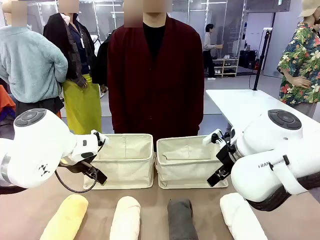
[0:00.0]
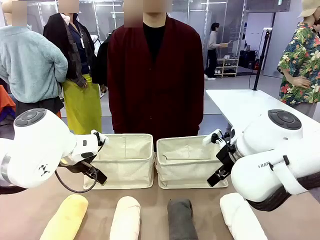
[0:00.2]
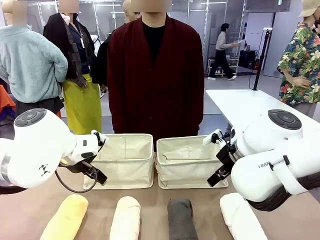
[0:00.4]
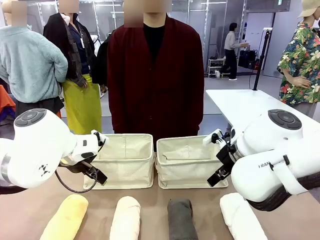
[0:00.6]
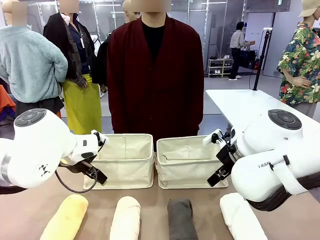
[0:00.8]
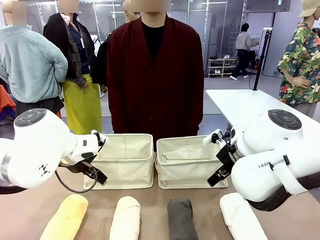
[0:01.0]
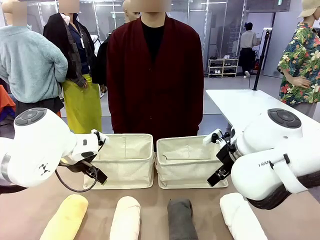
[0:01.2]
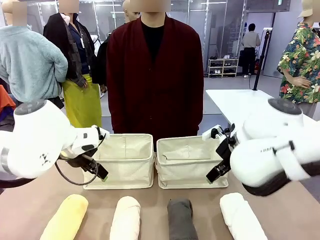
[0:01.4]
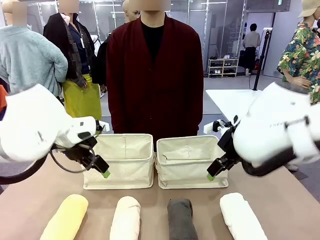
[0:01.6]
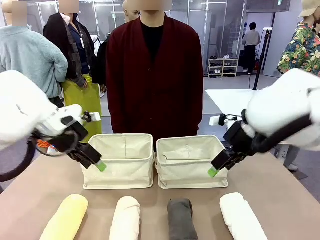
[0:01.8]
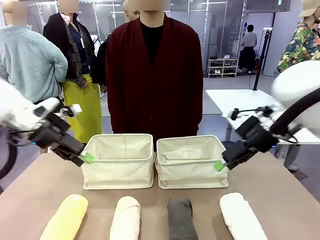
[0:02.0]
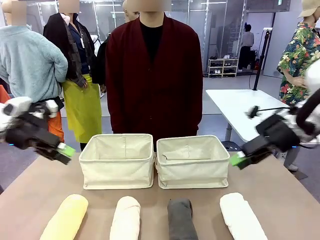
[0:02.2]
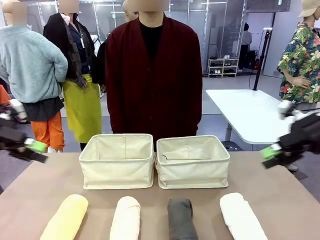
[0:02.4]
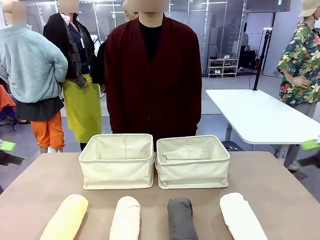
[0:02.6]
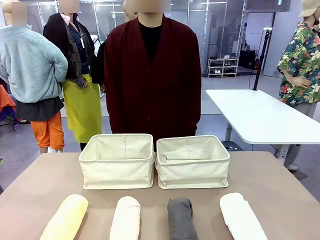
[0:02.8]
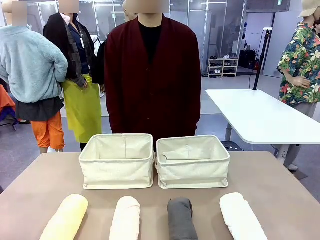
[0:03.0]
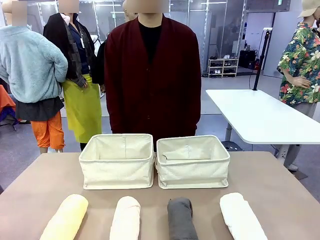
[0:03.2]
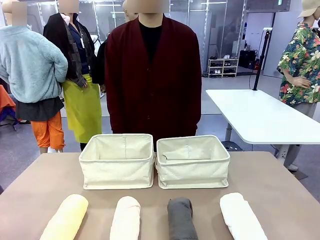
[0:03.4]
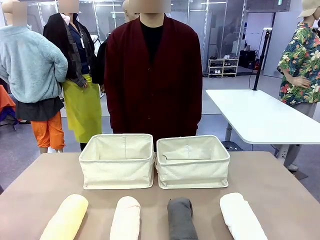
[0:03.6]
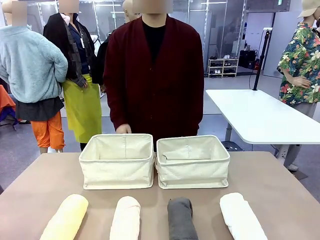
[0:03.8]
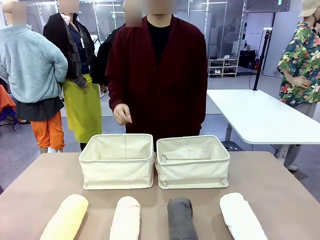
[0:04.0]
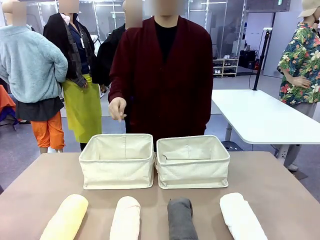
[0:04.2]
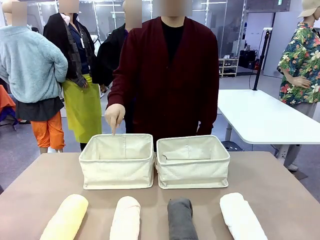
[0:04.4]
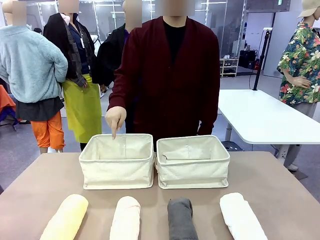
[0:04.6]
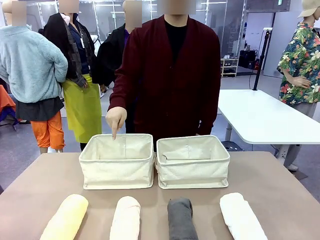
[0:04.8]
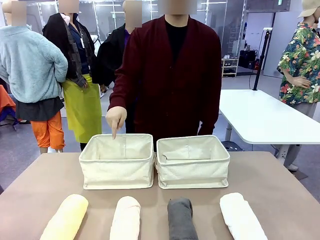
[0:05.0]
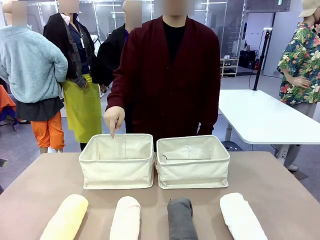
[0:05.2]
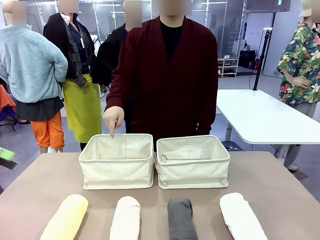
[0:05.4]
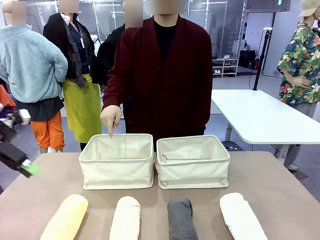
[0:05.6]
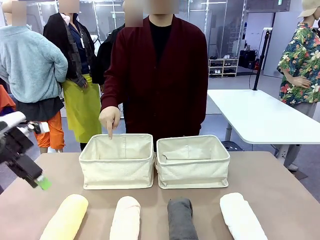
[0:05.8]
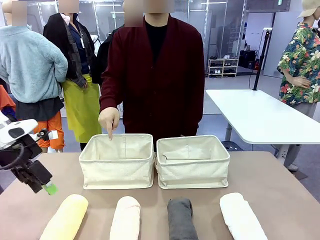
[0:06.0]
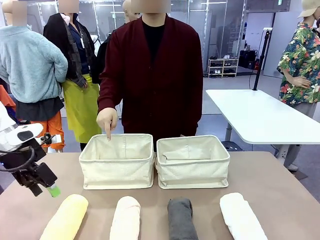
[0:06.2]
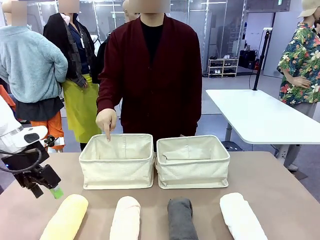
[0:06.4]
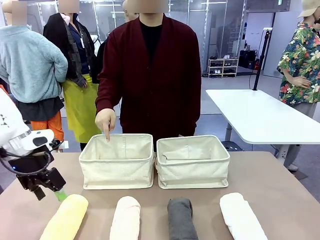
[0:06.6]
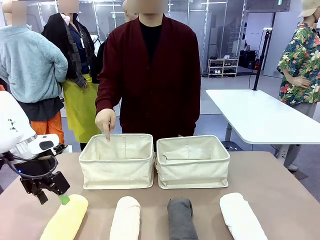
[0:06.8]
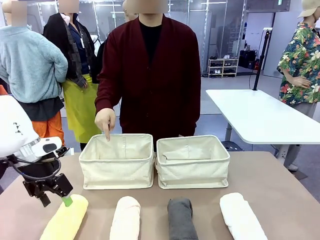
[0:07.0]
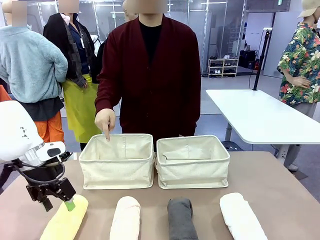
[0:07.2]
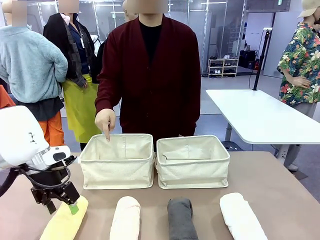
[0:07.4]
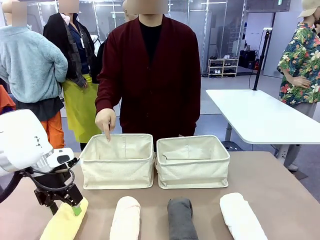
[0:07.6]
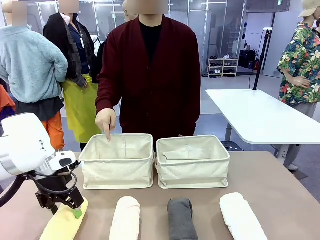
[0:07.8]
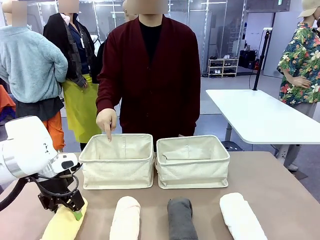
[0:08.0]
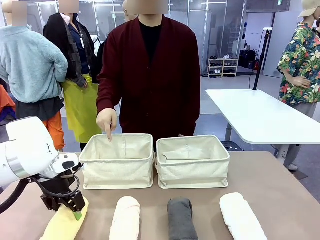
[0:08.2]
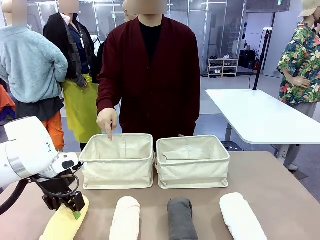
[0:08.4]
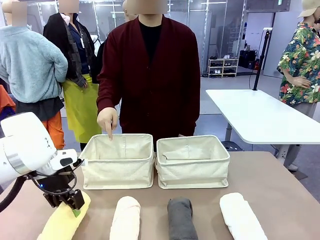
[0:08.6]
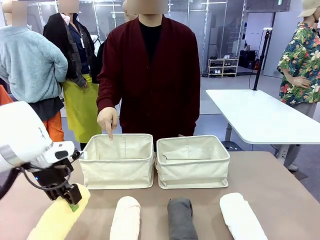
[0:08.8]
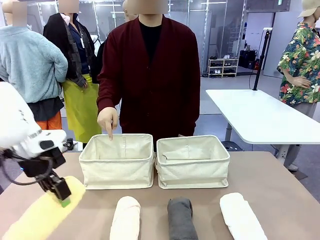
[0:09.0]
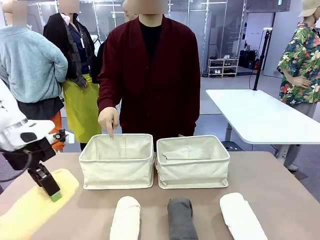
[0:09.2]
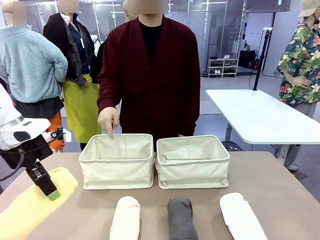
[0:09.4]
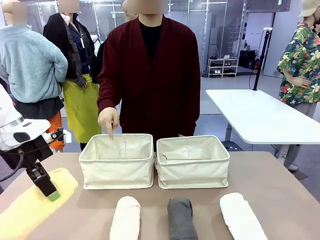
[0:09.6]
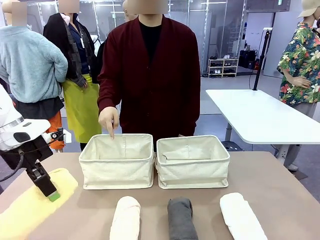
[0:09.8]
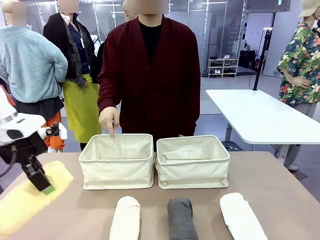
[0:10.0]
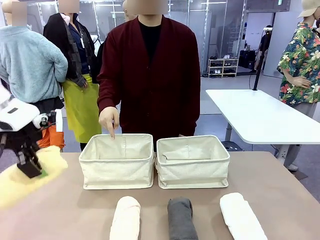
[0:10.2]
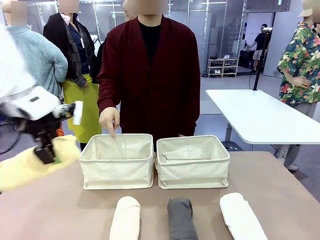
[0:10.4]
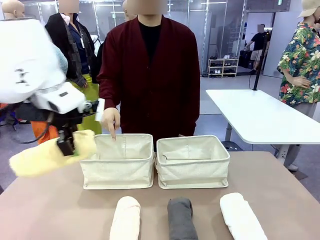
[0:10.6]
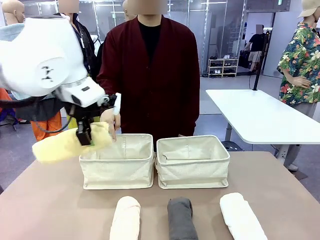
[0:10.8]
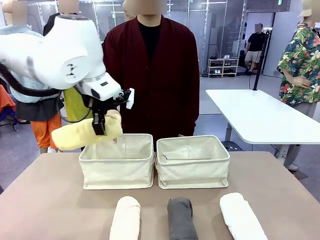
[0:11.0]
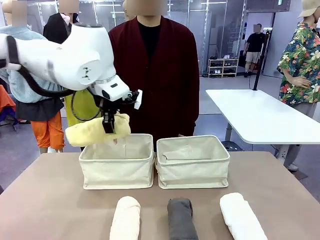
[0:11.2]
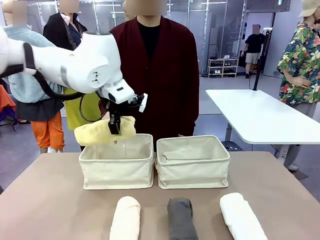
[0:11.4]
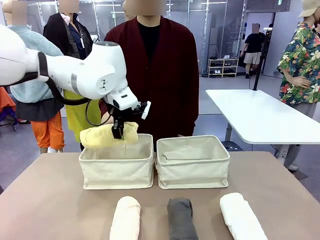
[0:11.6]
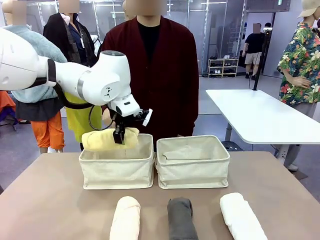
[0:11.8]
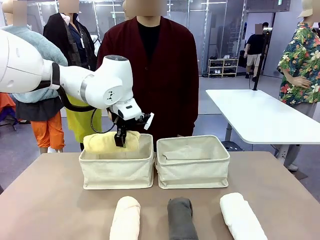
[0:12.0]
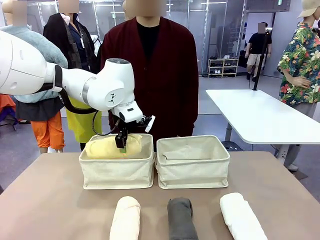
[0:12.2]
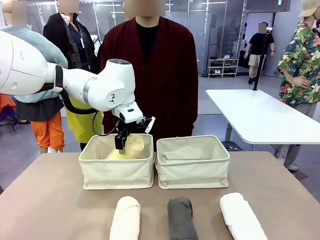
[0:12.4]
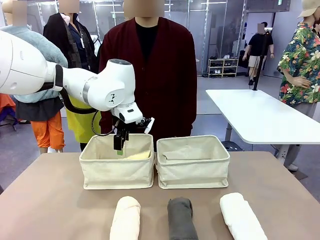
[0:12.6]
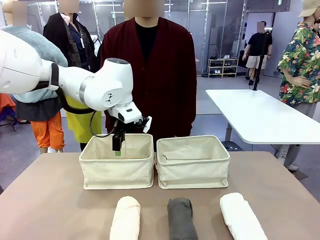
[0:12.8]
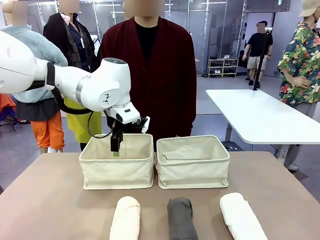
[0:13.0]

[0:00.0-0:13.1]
Task: Divide the towels into two baskets.
Robot: Pick up one hotel-folded towel and place it in the Fabric basket indicated by the person.
